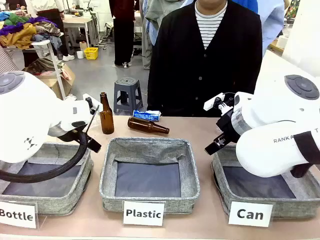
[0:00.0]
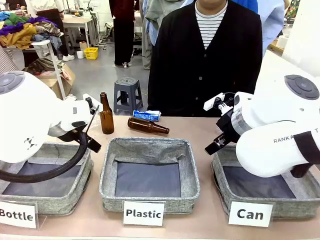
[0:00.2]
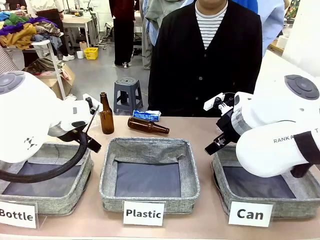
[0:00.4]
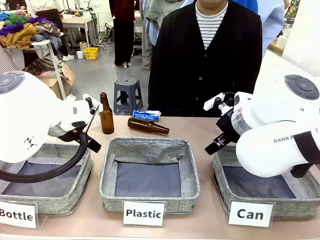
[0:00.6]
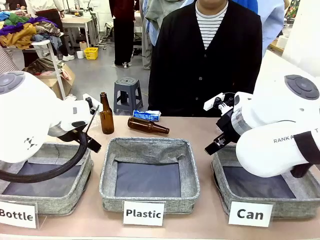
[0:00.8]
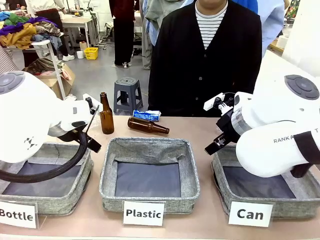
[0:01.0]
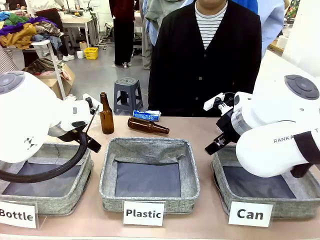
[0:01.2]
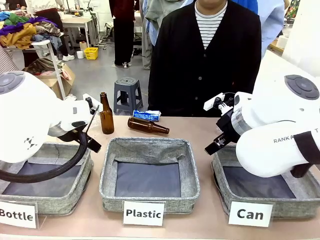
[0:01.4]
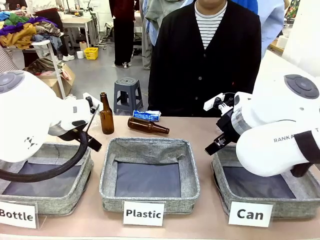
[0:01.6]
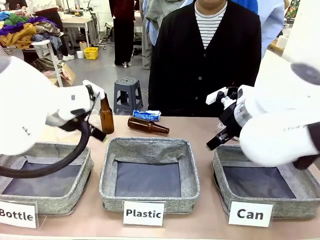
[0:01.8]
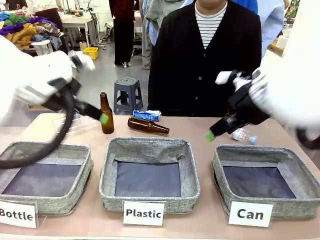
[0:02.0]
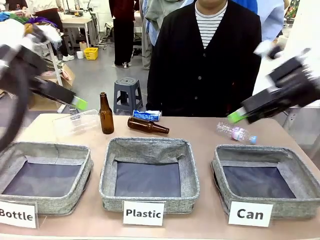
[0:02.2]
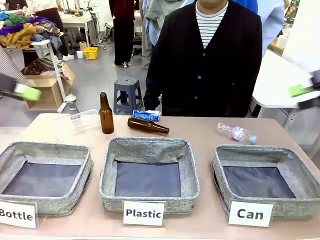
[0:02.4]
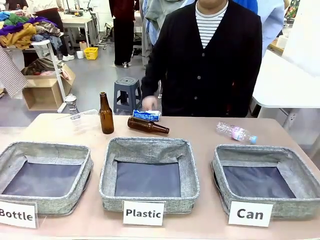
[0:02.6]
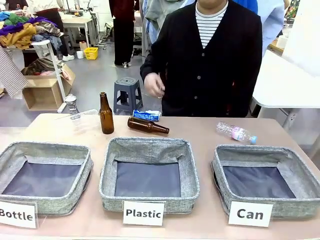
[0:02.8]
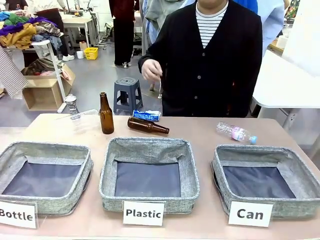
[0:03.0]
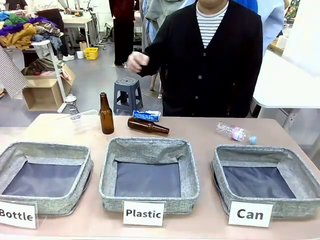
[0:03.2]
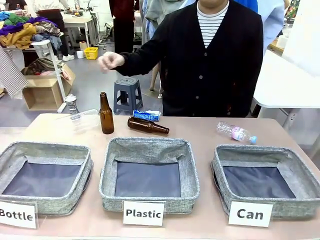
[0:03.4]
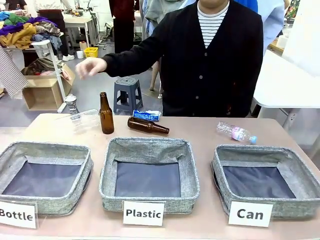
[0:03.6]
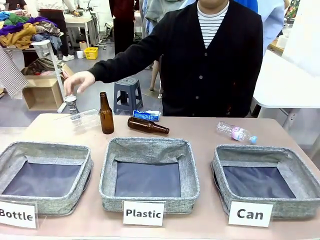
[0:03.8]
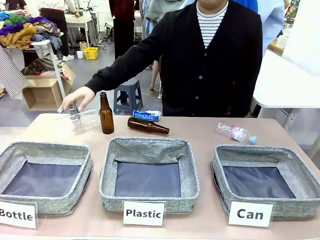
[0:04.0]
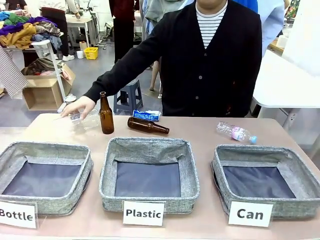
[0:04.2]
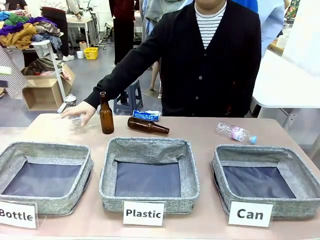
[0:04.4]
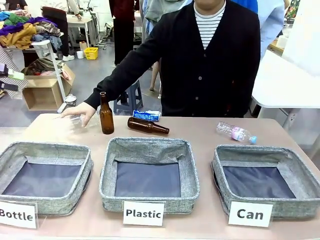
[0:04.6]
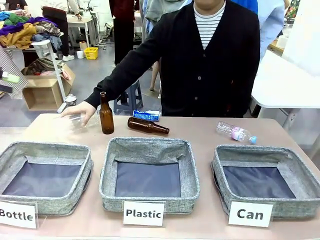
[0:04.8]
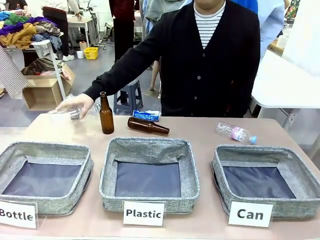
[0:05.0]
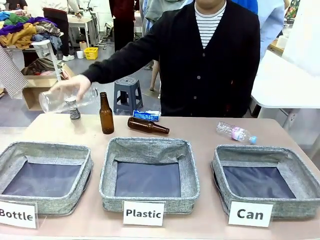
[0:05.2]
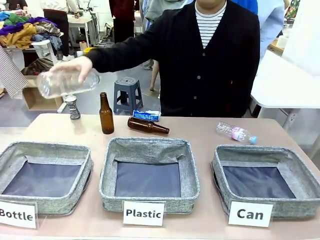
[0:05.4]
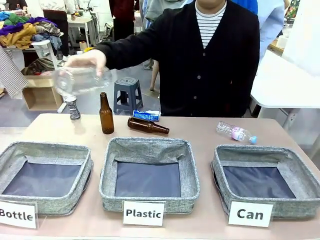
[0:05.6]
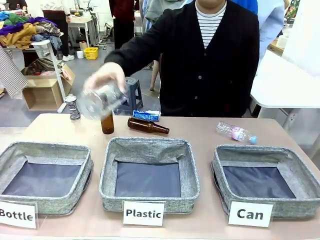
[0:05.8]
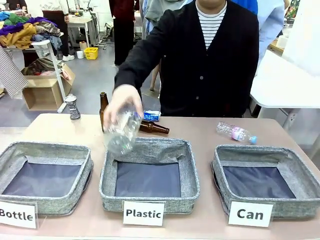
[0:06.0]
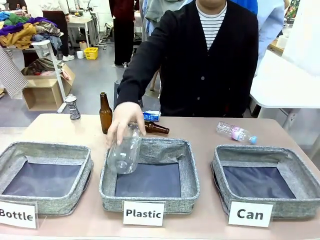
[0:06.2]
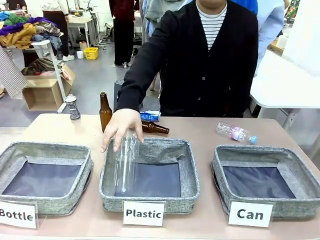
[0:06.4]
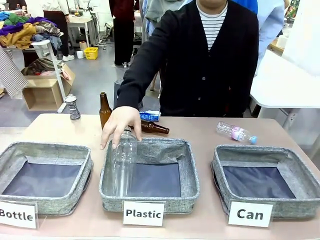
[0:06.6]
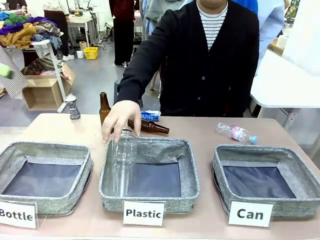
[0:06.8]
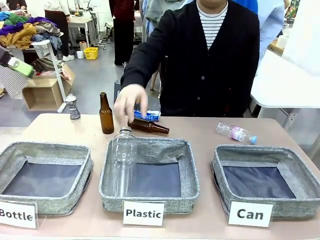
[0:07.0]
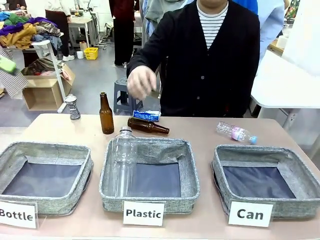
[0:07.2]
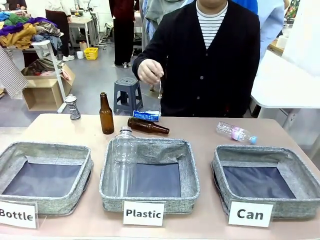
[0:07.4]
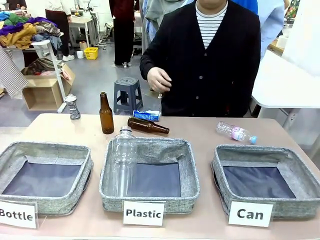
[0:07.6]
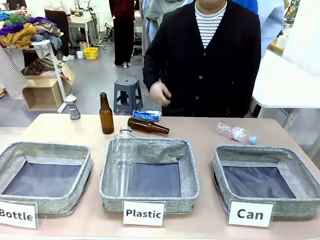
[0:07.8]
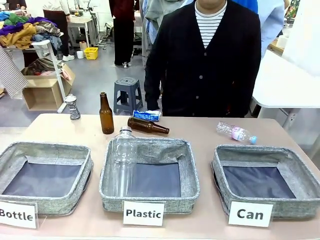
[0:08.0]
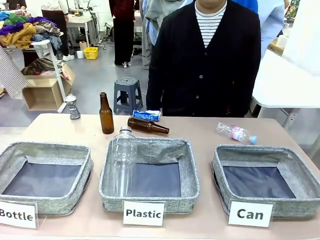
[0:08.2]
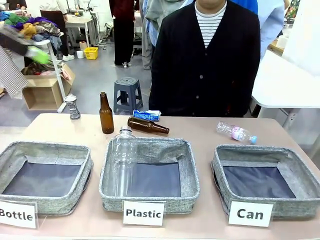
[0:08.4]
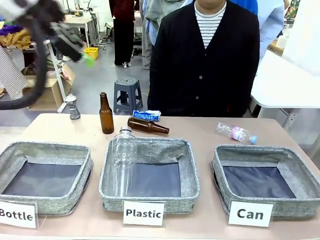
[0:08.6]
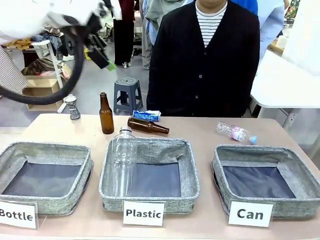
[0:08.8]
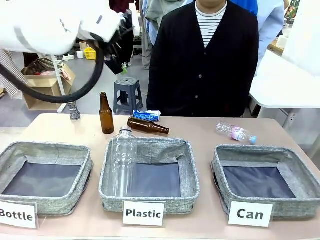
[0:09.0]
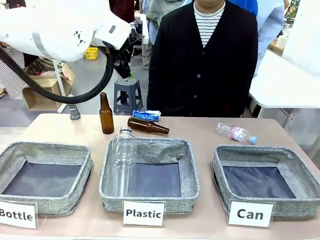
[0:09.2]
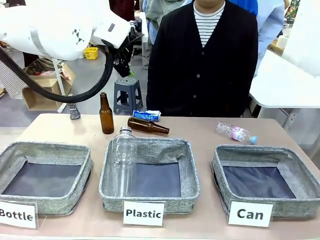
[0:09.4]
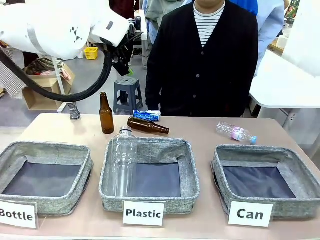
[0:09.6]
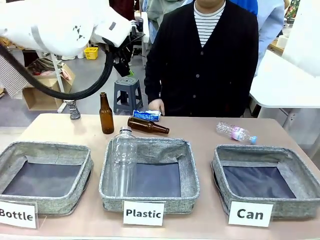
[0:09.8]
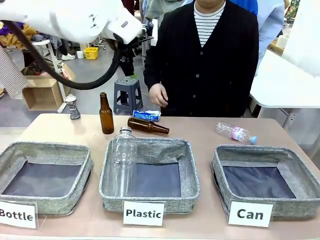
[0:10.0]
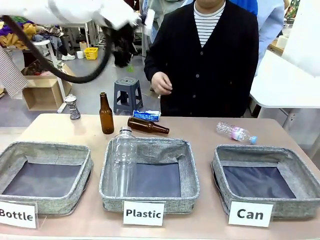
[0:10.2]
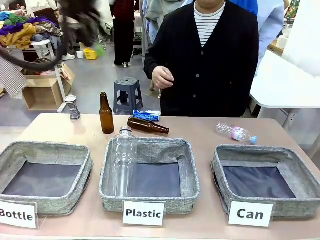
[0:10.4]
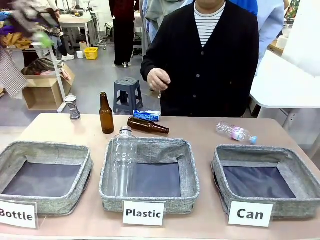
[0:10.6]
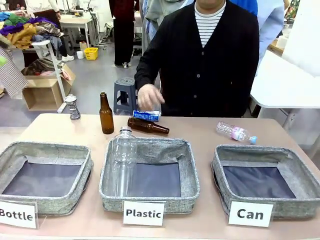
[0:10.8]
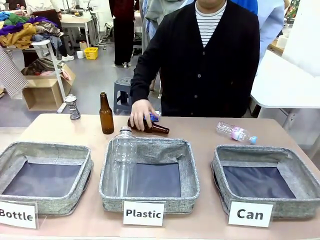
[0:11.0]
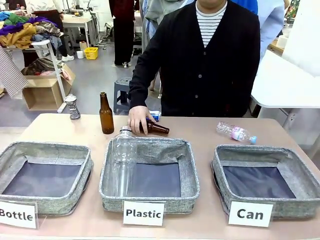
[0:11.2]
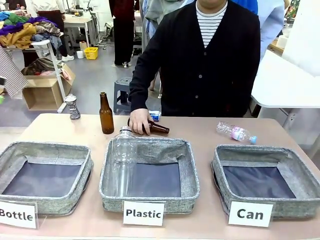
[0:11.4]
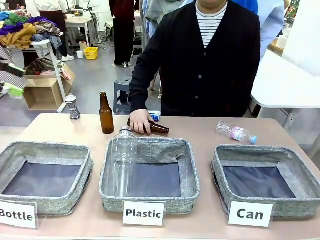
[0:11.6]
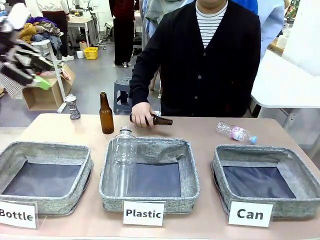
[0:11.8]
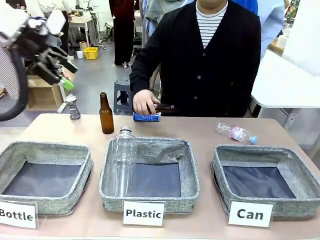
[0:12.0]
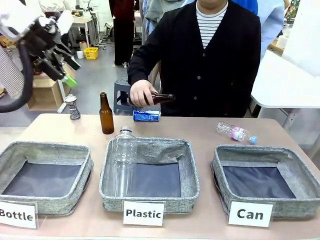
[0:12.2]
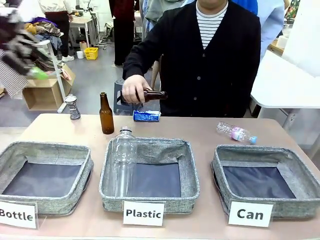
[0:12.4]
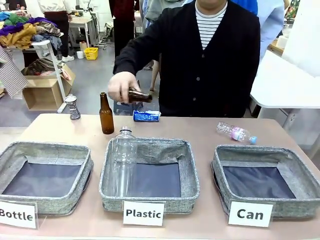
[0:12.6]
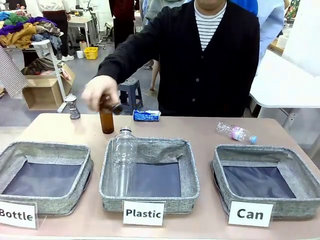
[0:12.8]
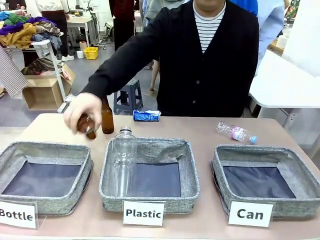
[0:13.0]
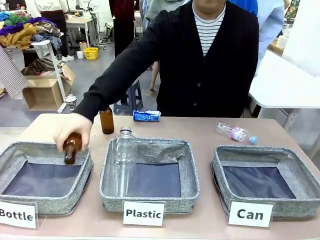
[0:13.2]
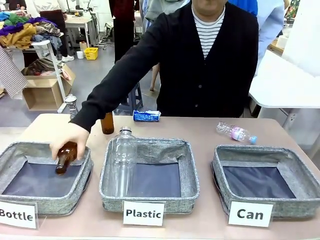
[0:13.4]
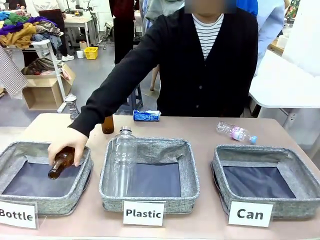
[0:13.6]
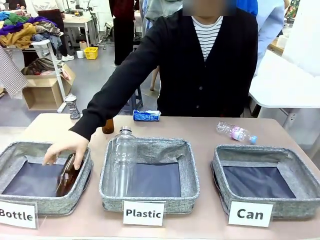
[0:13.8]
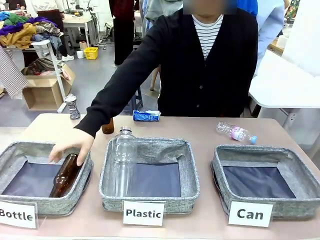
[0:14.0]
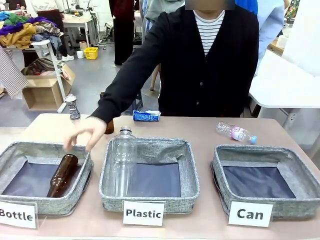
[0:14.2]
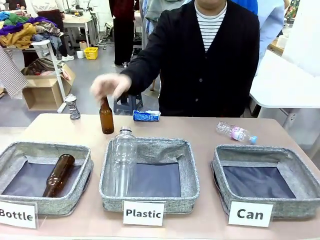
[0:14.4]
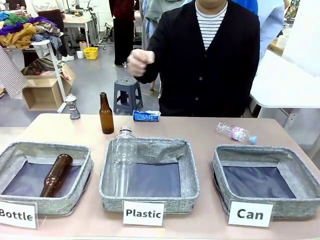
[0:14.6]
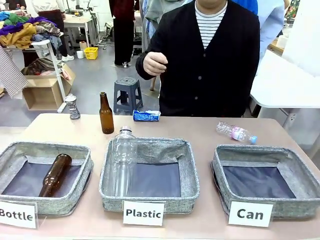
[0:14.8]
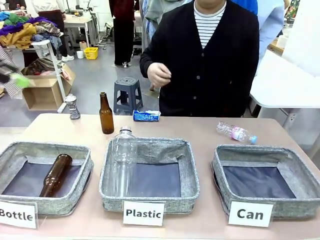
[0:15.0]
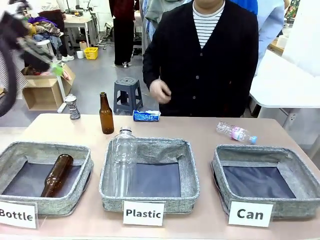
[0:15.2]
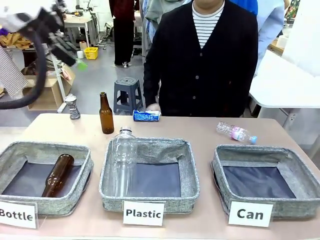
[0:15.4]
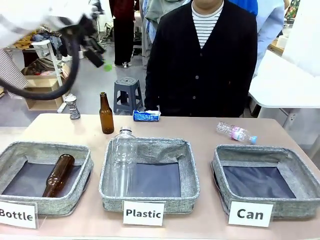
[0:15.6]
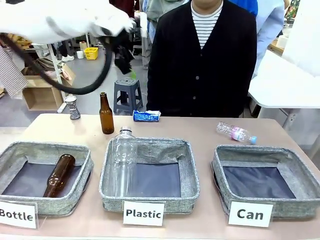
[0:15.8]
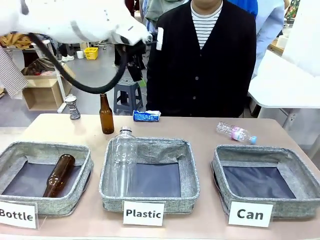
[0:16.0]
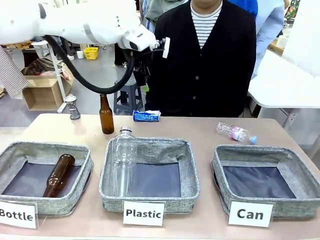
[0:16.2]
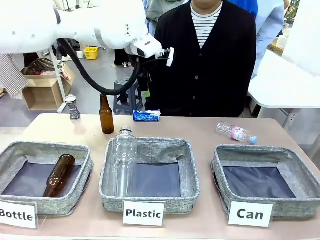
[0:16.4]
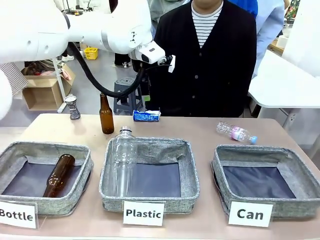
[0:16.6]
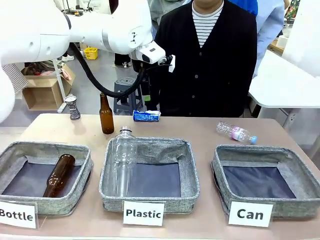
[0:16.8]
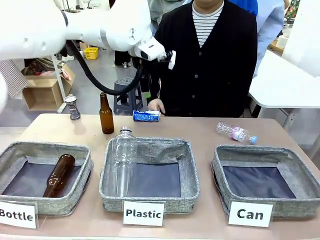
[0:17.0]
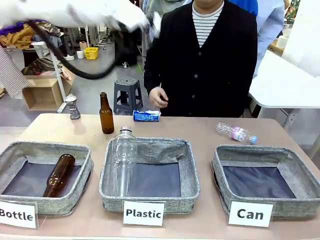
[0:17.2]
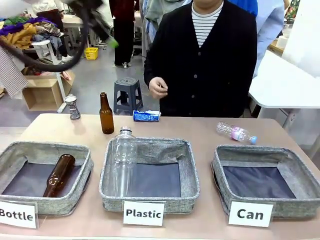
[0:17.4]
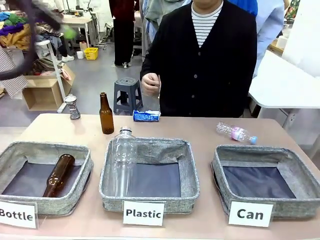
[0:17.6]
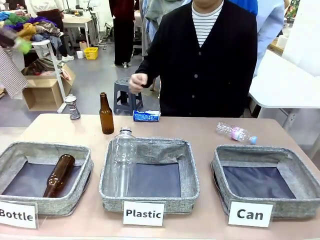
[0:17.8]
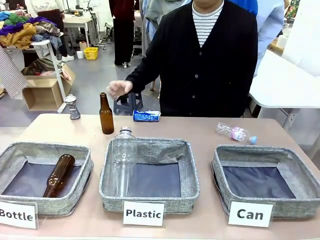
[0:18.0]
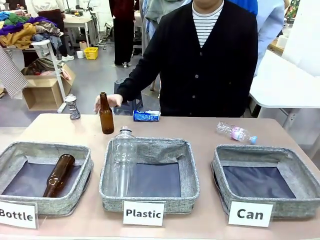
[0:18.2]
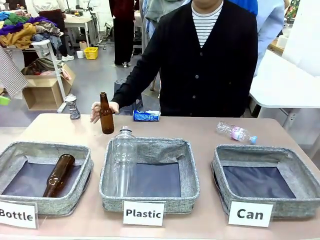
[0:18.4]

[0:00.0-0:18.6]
Task: Sort the can waste into the basket.
Robot: Pick up the can waste from the table and place it in the right Fabric basket.
